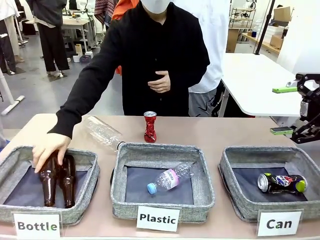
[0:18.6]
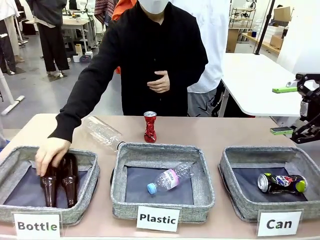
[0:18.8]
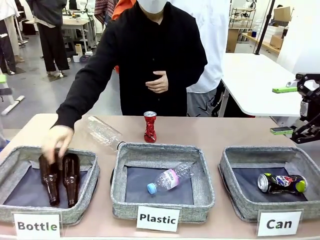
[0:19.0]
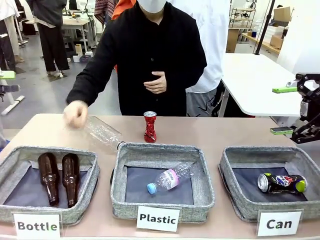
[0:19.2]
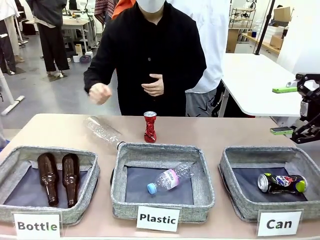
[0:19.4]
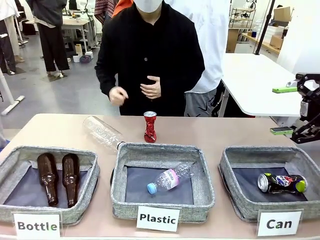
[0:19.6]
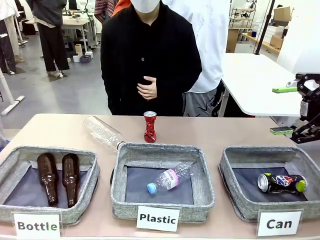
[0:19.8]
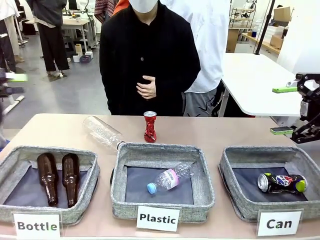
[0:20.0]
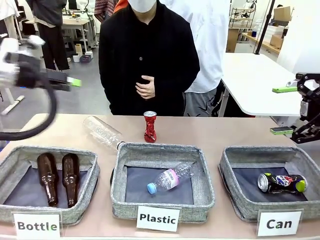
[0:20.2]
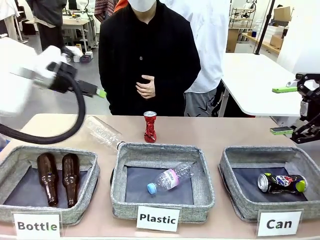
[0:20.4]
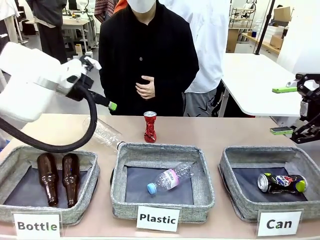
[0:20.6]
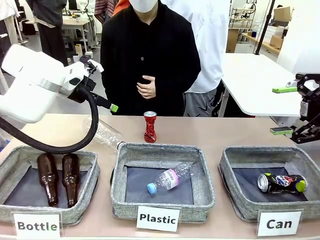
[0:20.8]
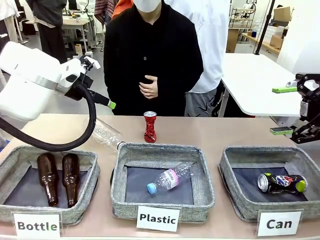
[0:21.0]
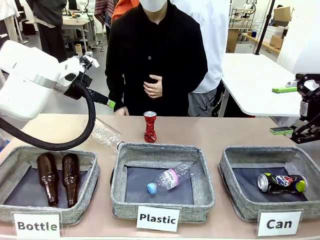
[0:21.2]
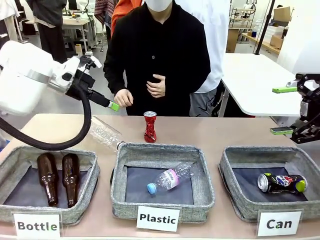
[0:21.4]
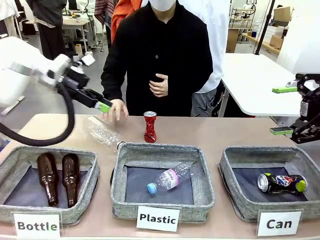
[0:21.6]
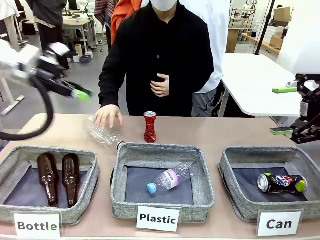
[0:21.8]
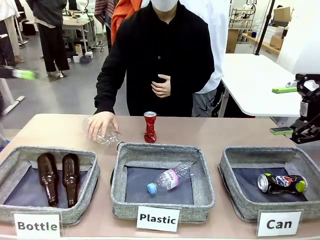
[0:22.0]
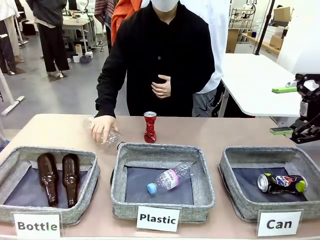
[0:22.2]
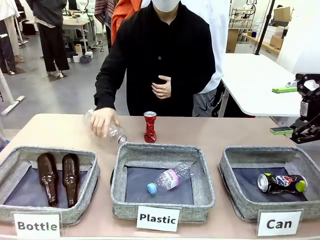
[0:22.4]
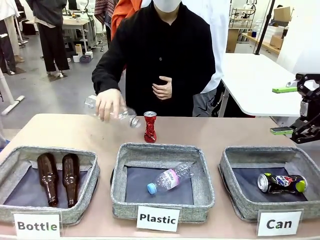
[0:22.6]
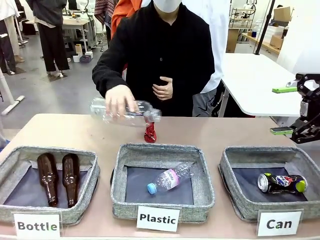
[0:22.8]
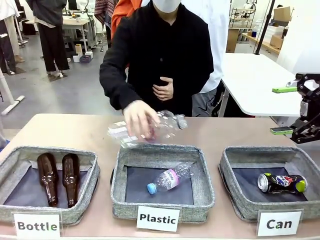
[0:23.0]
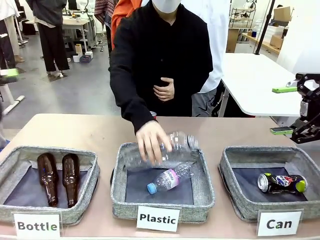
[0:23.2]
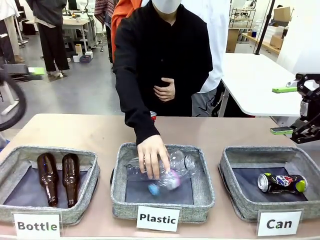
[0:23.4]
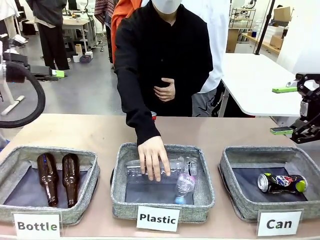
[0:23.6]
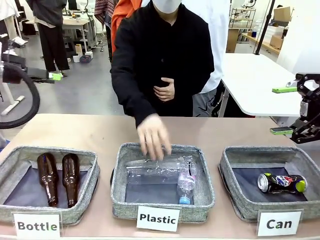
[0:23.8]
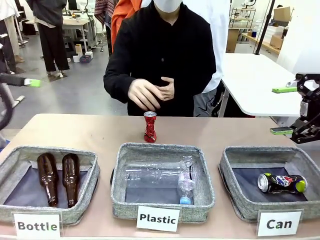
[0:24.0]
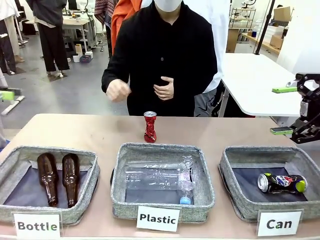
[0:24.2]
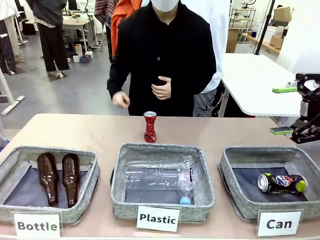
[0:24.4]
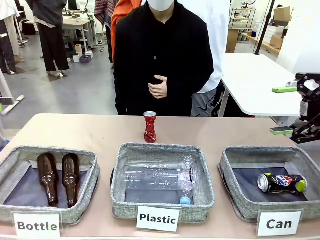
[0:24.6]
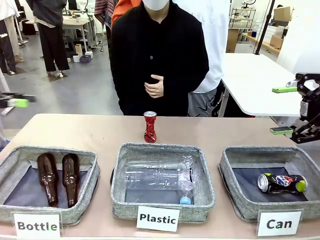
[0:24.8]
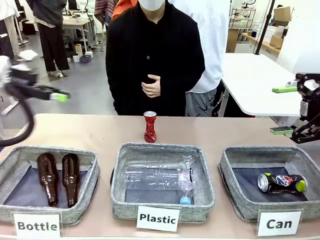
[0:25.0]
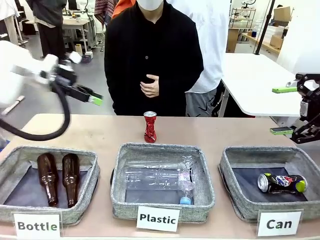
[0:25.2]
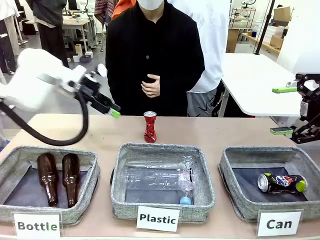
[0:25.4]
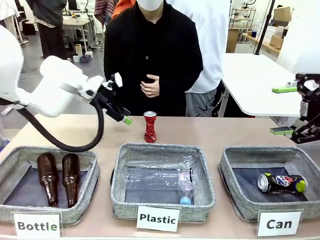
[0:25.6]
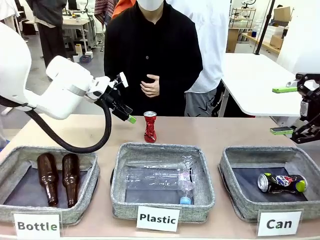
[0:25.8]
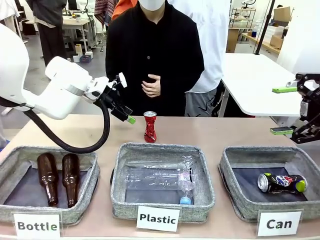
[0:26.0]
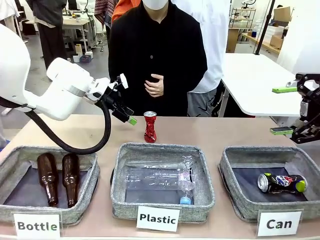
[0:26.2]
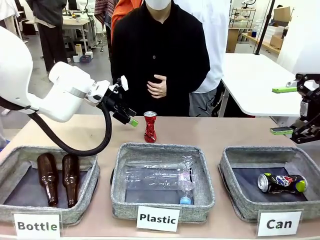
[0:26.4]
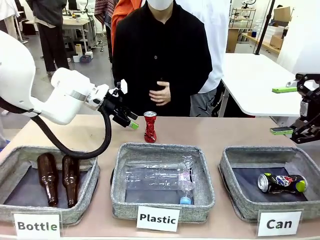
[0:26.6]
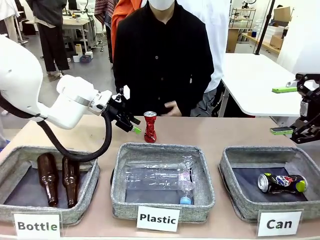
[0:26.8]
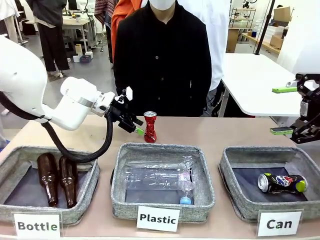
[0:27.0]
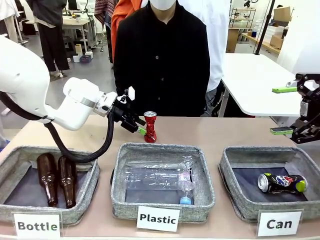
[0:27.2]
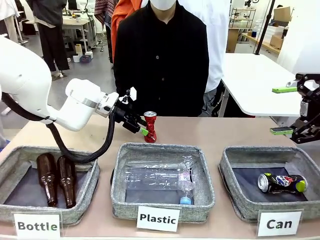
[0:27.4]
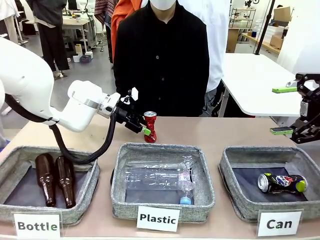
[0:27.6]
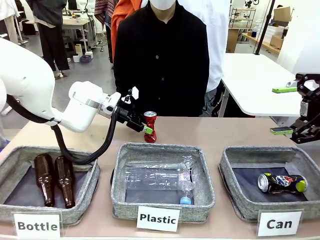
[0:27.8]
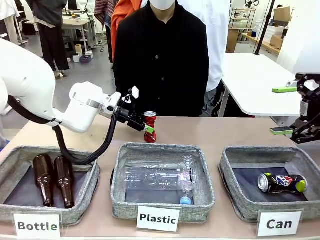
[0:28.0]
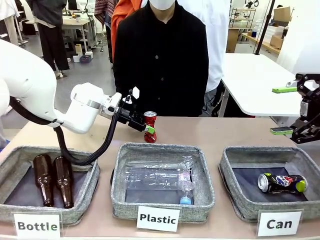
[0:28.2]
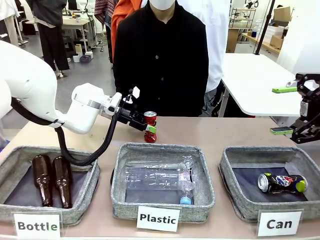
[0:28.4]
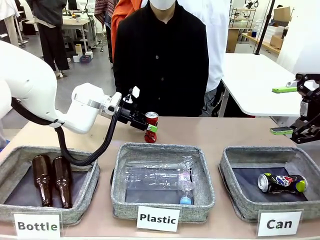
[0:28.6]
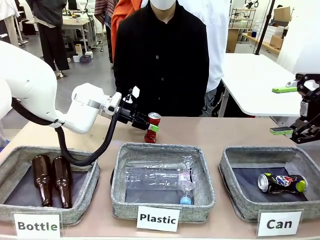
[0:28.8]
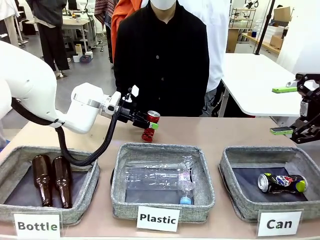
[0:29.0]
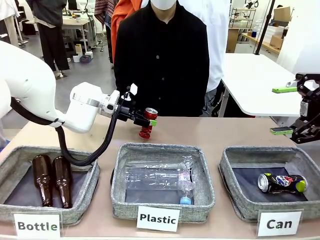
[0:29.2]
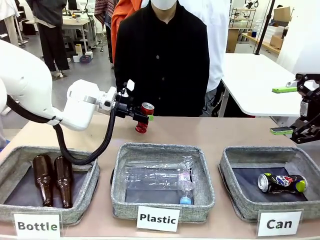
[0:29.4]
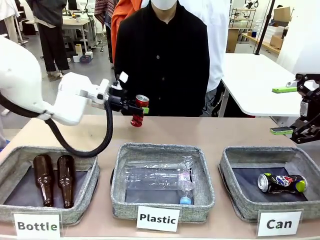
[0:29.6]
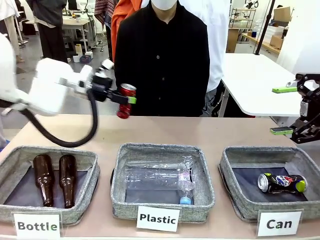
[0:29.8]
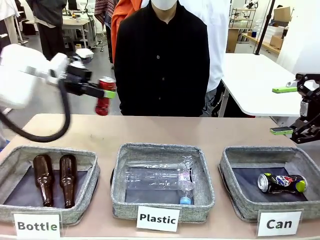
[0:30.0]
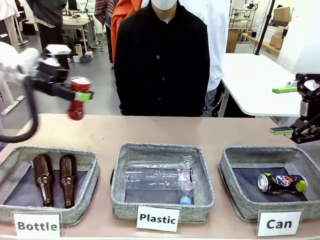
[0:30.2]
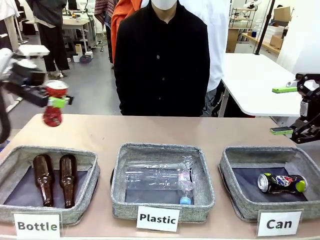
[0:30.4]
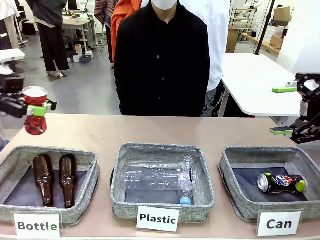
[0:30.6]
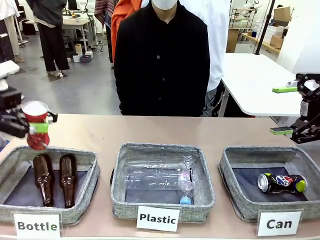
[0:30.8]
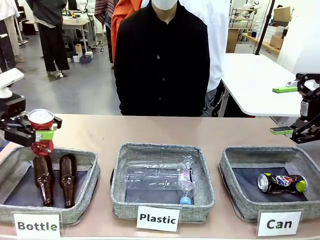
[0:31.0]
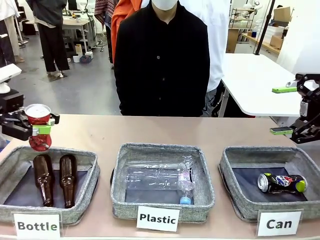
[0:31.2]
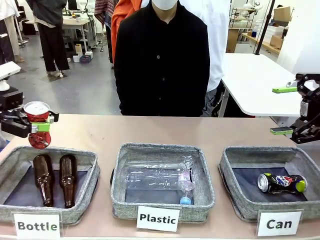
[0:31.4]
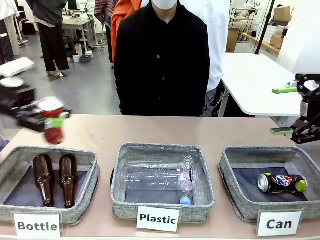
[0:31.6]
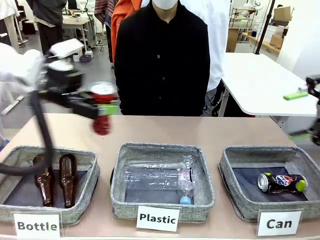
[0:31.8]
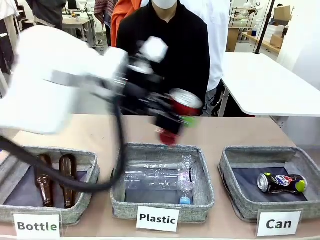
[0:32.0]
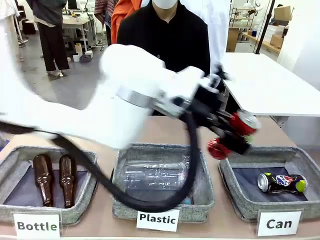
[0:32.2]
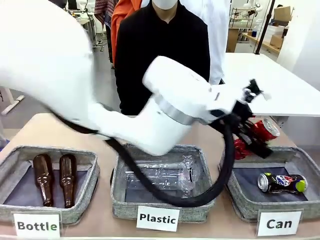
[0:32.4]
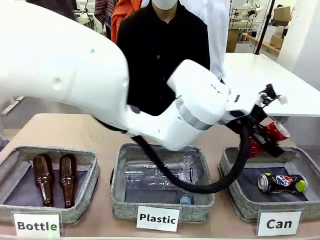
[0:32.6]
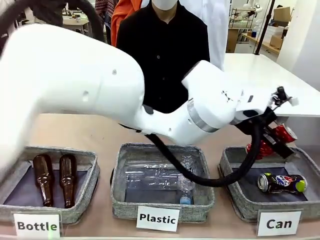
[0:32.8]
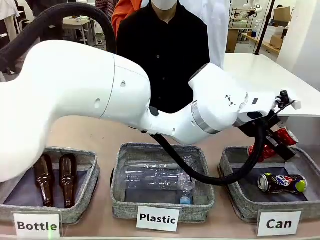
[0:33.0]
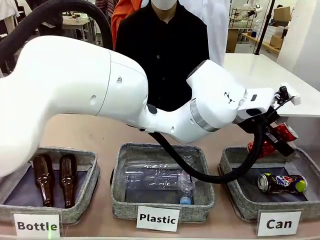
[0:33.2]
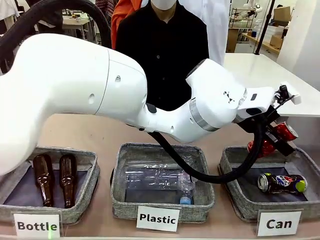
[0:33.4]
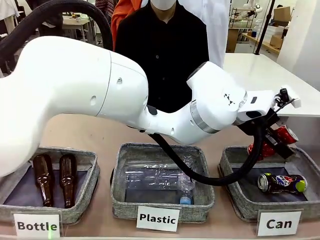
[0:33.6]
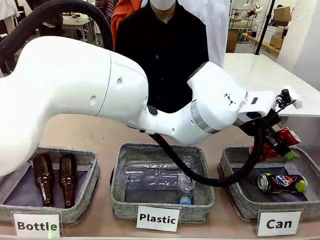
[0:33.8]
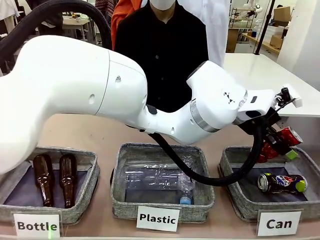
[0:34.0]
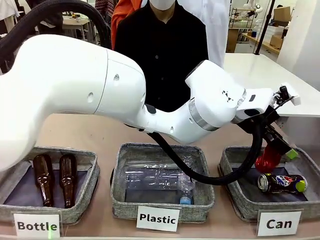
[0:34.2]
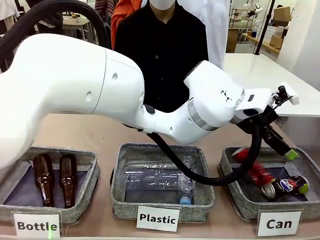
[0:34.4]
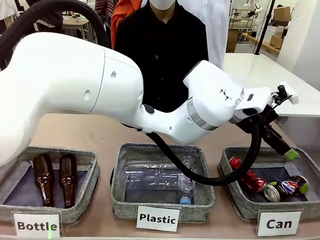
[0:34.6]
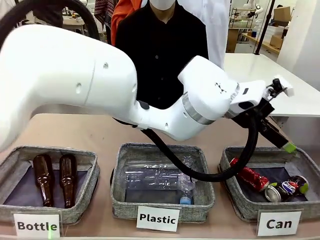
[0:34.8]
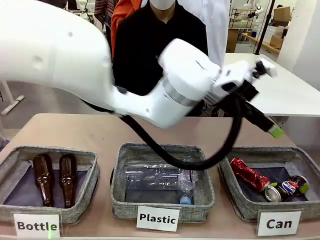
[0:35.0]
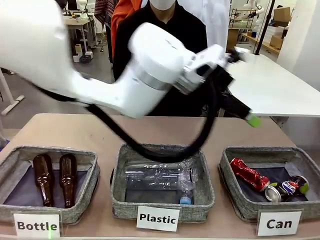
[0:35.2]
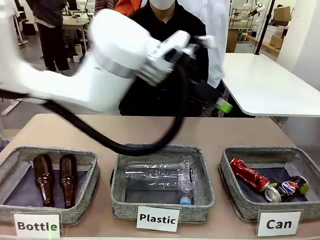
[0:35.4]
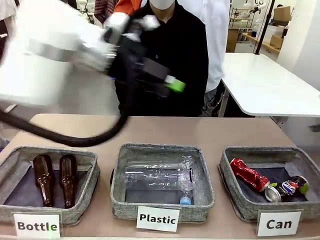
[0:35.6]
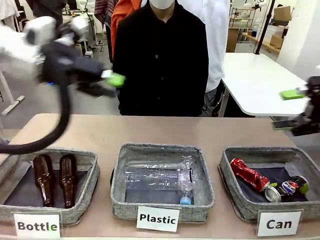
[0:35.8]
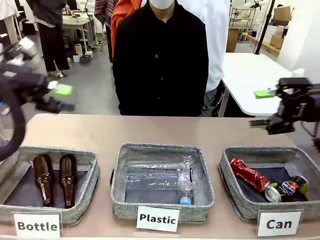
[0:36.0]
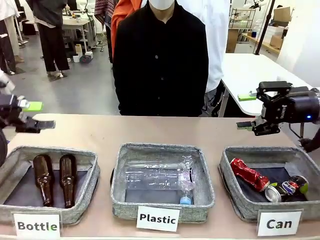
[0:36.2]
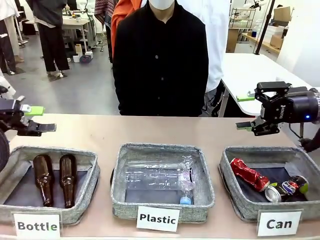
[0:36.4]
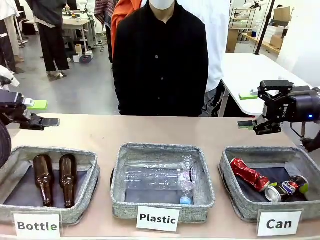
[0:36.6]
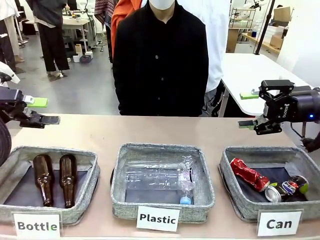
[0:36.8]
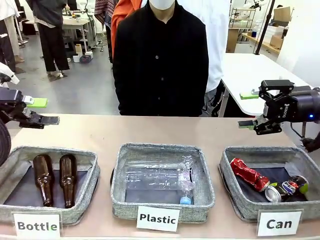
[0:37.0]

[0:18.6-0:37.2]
Task: Sort the can waste into the basket.
Robot: Pick up the can waste from the table and place it in the right Fabric basket.
